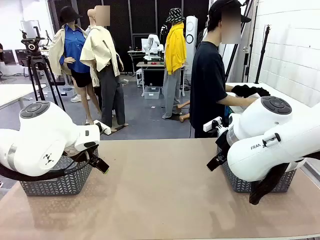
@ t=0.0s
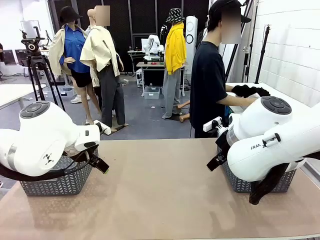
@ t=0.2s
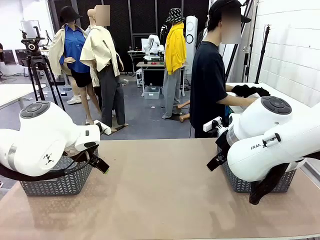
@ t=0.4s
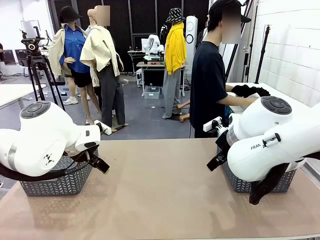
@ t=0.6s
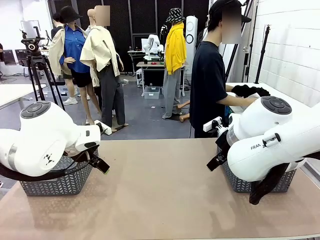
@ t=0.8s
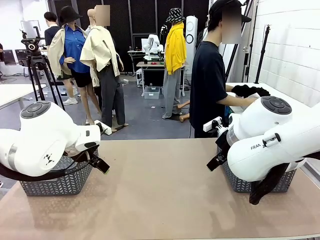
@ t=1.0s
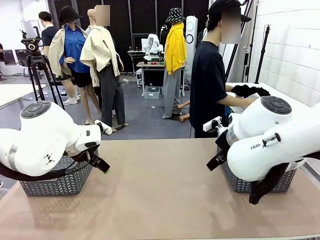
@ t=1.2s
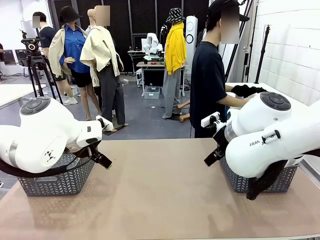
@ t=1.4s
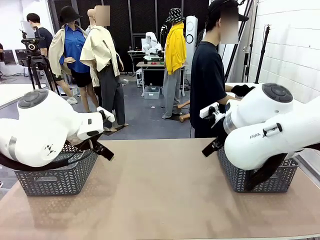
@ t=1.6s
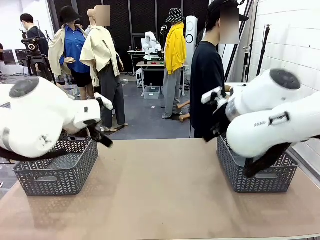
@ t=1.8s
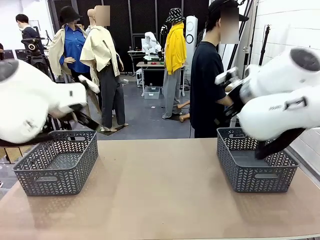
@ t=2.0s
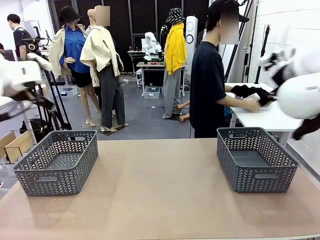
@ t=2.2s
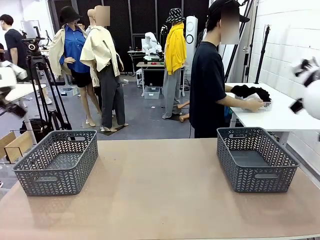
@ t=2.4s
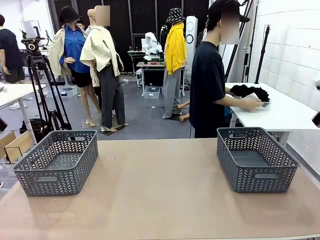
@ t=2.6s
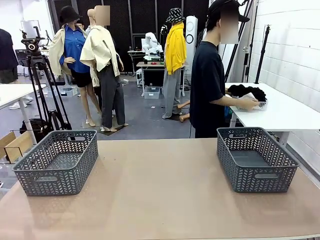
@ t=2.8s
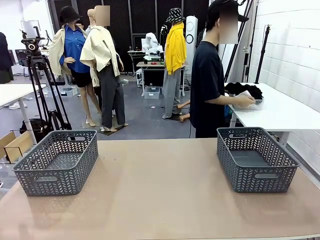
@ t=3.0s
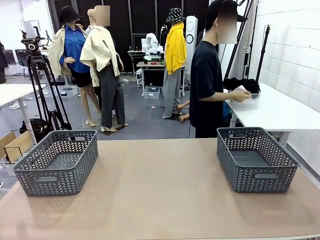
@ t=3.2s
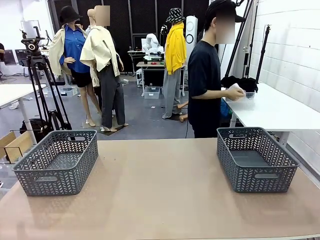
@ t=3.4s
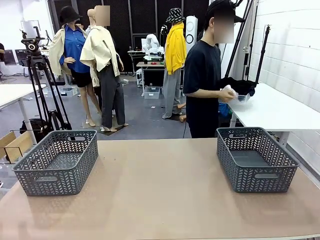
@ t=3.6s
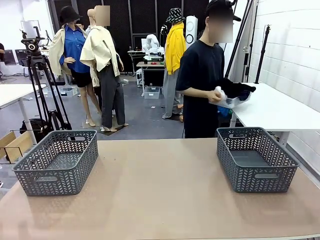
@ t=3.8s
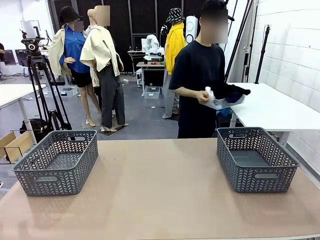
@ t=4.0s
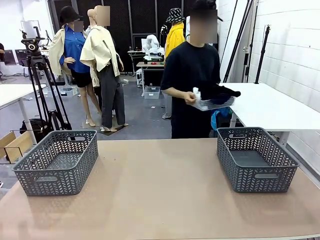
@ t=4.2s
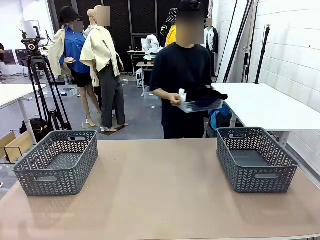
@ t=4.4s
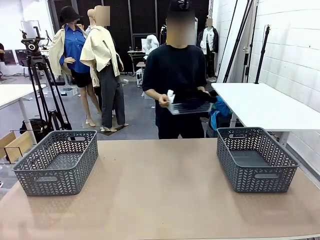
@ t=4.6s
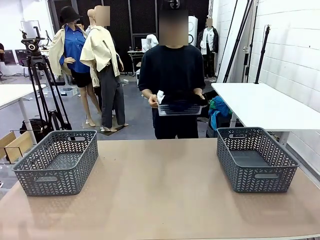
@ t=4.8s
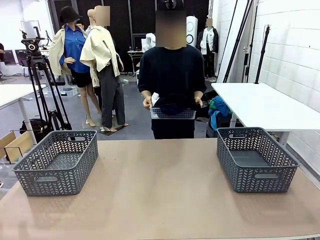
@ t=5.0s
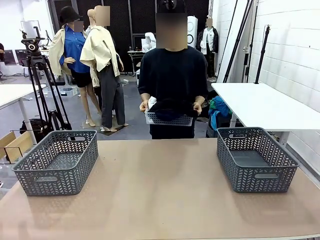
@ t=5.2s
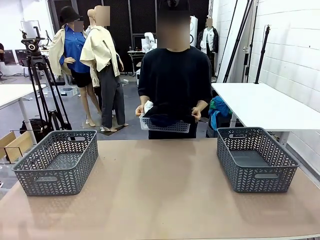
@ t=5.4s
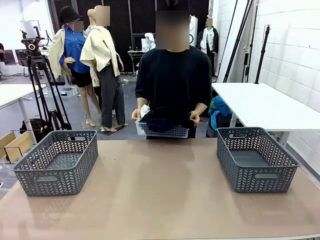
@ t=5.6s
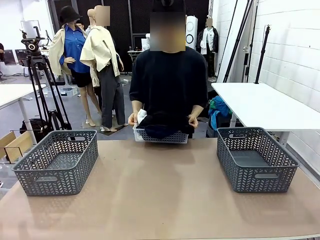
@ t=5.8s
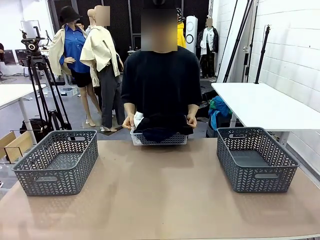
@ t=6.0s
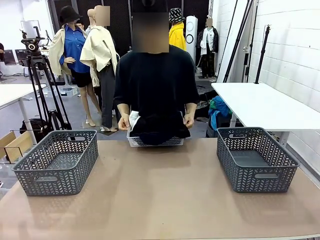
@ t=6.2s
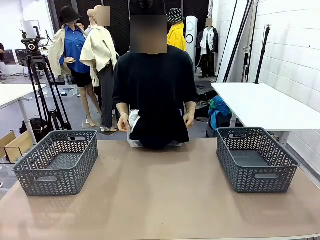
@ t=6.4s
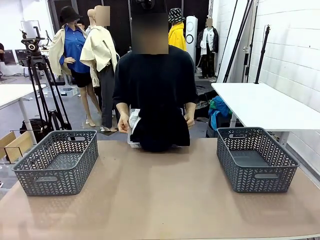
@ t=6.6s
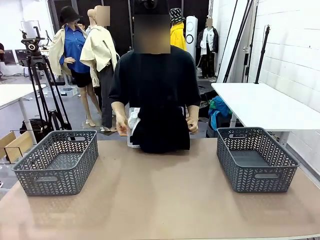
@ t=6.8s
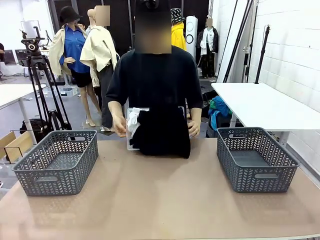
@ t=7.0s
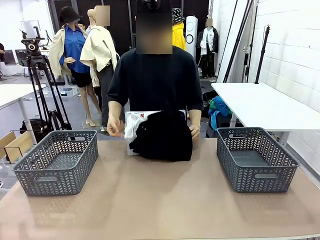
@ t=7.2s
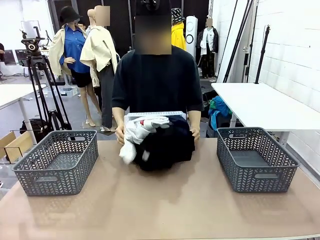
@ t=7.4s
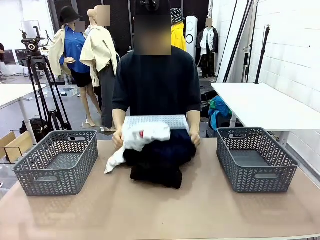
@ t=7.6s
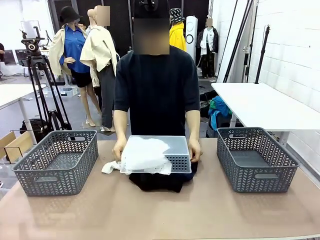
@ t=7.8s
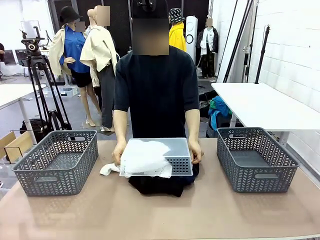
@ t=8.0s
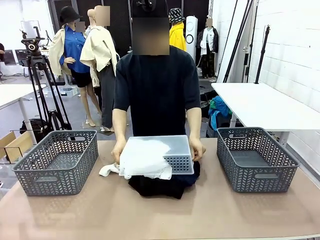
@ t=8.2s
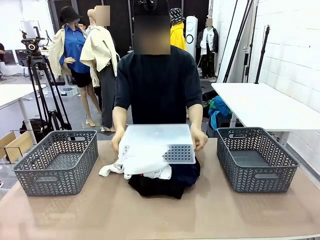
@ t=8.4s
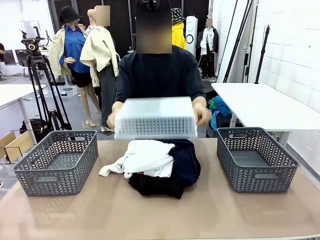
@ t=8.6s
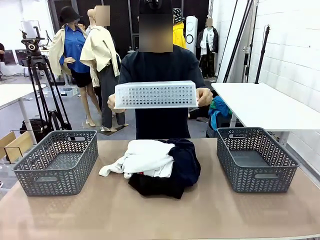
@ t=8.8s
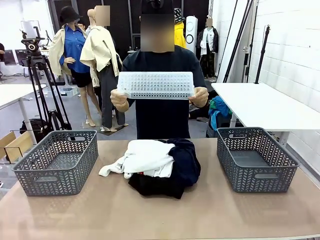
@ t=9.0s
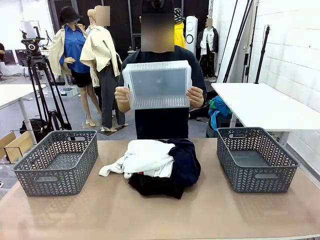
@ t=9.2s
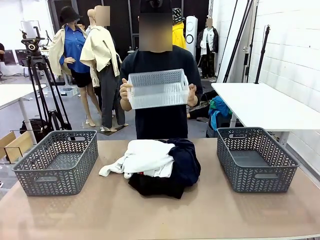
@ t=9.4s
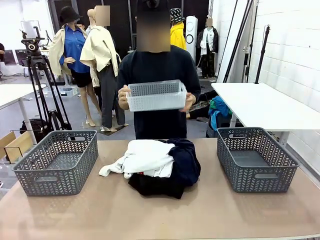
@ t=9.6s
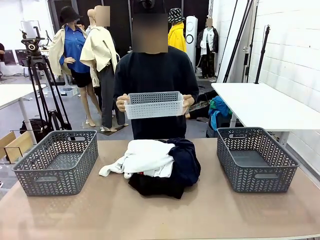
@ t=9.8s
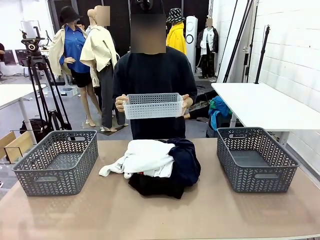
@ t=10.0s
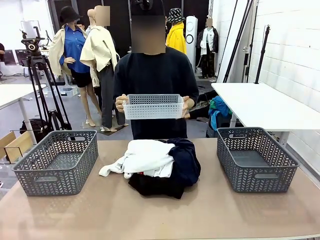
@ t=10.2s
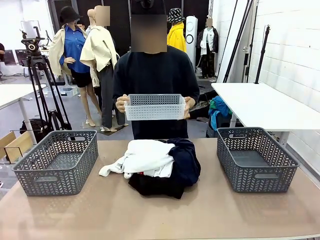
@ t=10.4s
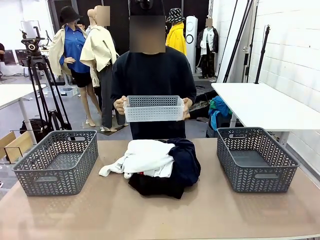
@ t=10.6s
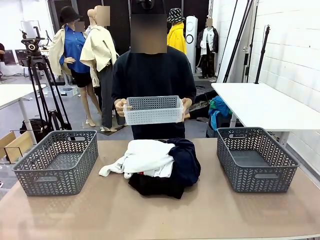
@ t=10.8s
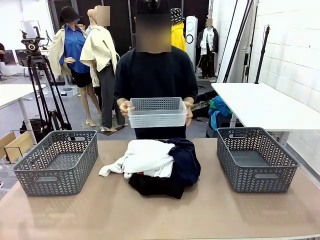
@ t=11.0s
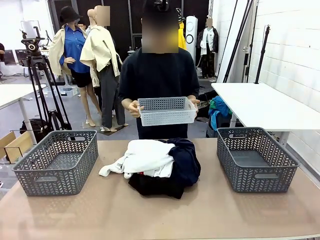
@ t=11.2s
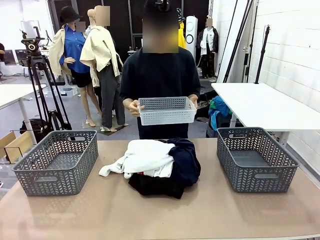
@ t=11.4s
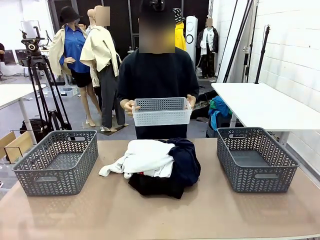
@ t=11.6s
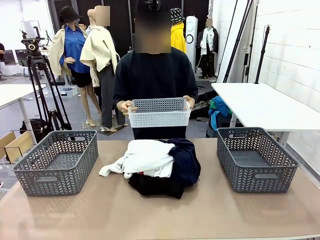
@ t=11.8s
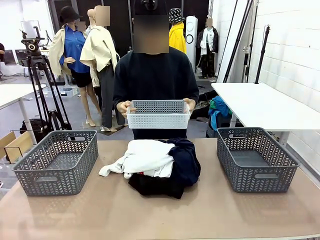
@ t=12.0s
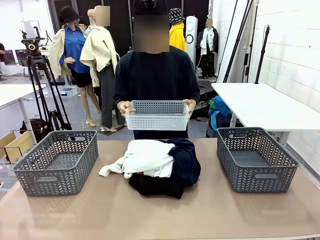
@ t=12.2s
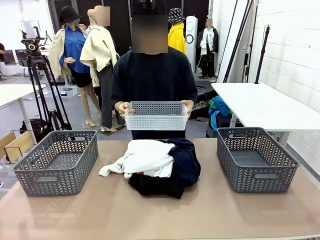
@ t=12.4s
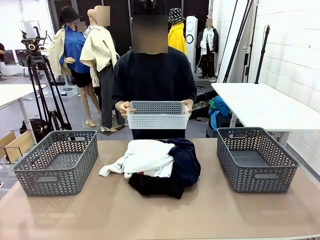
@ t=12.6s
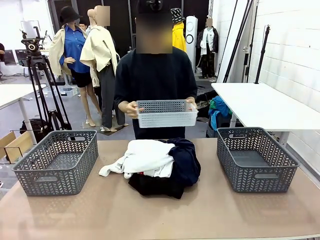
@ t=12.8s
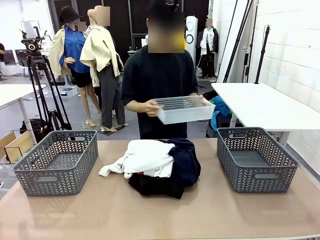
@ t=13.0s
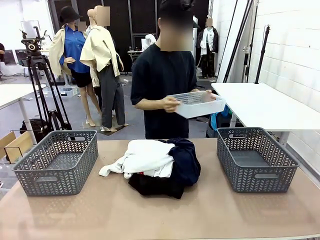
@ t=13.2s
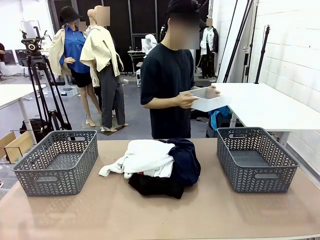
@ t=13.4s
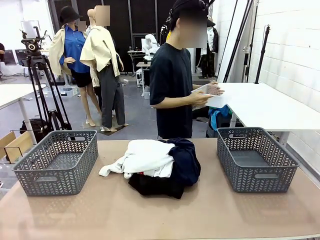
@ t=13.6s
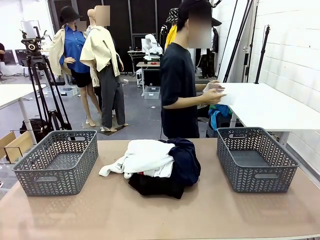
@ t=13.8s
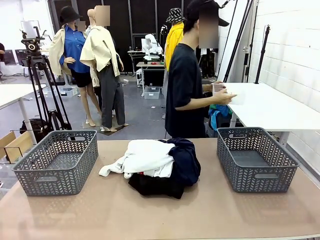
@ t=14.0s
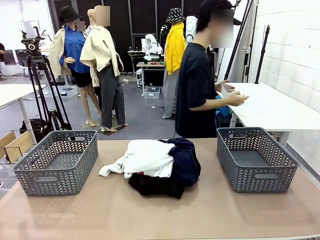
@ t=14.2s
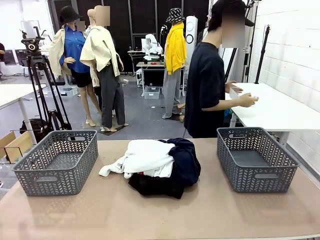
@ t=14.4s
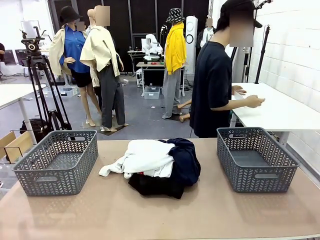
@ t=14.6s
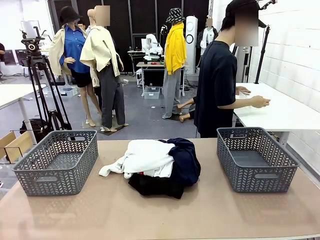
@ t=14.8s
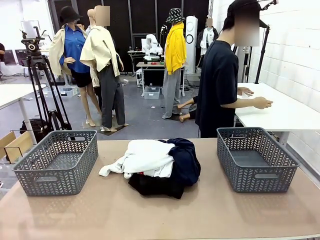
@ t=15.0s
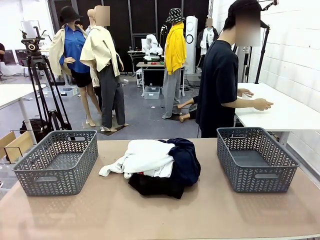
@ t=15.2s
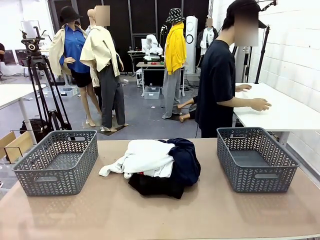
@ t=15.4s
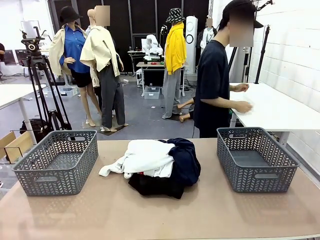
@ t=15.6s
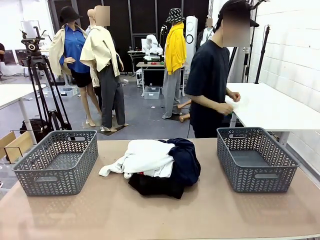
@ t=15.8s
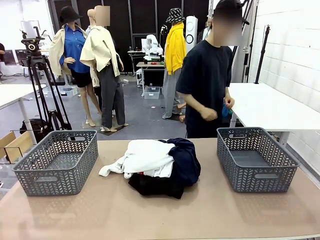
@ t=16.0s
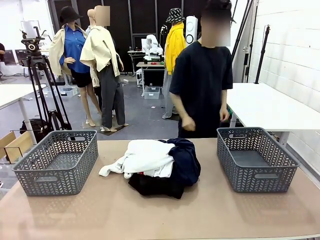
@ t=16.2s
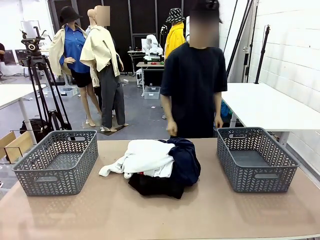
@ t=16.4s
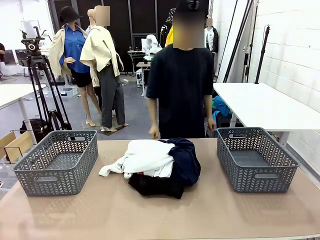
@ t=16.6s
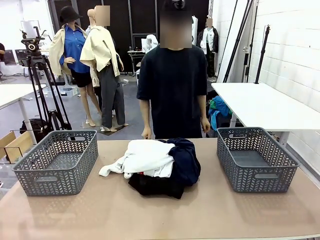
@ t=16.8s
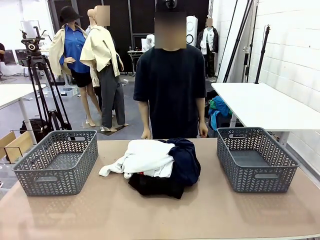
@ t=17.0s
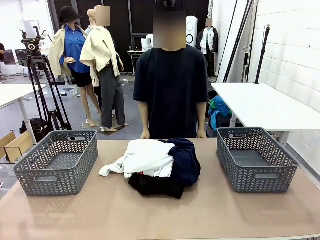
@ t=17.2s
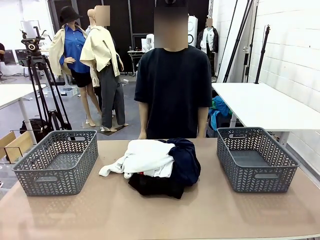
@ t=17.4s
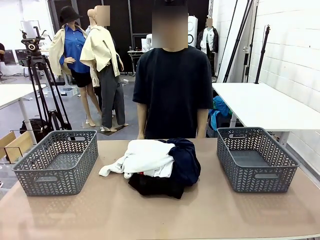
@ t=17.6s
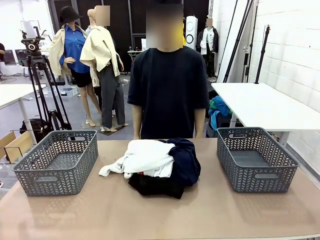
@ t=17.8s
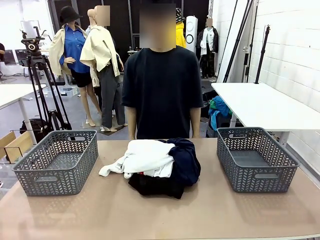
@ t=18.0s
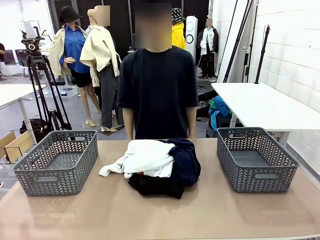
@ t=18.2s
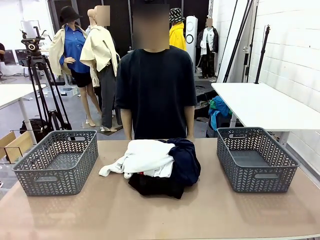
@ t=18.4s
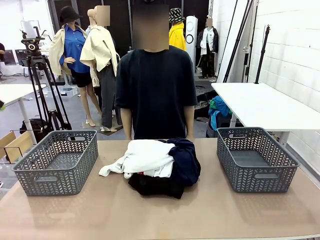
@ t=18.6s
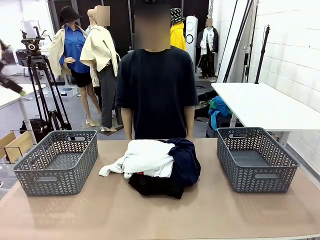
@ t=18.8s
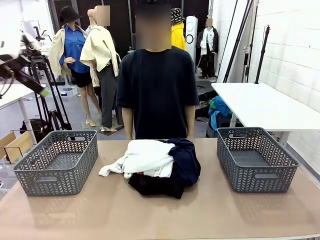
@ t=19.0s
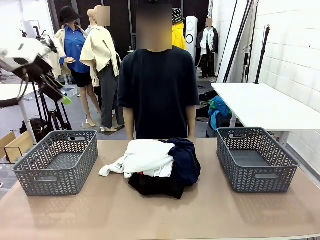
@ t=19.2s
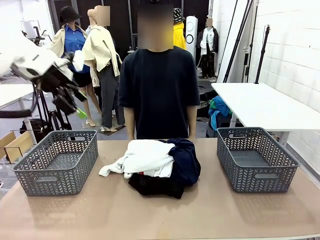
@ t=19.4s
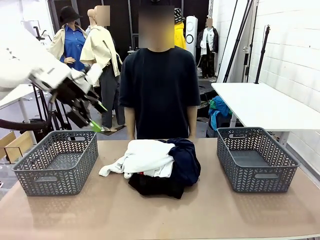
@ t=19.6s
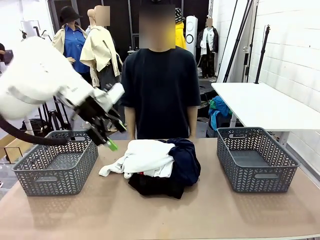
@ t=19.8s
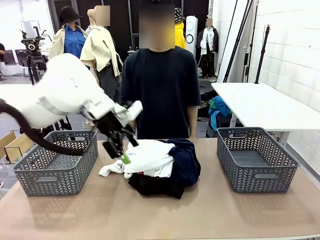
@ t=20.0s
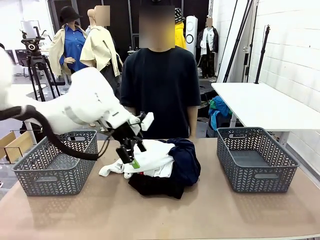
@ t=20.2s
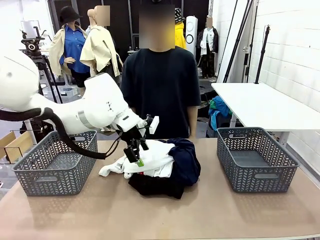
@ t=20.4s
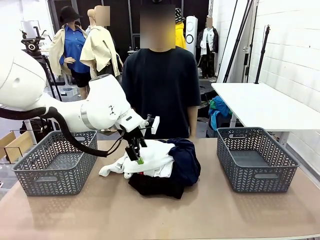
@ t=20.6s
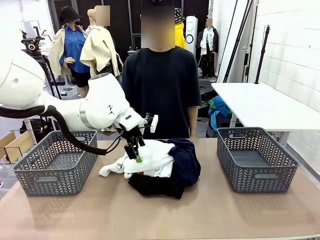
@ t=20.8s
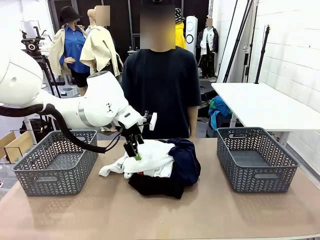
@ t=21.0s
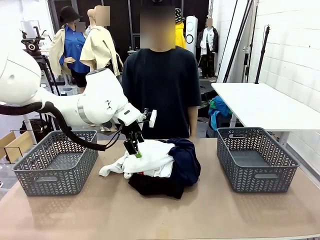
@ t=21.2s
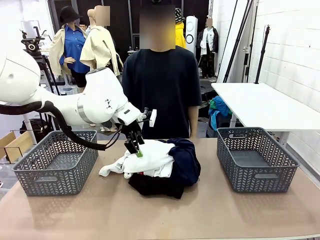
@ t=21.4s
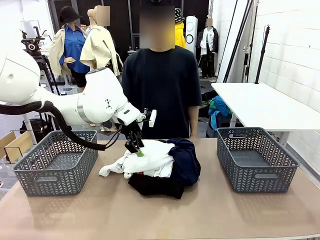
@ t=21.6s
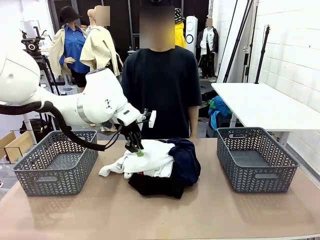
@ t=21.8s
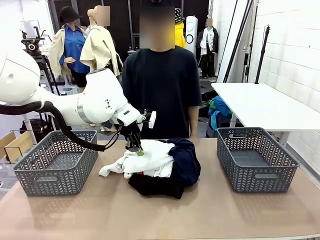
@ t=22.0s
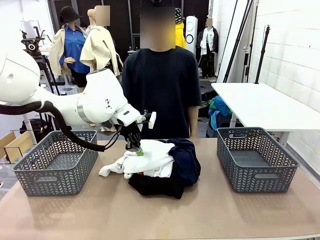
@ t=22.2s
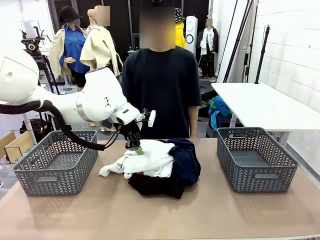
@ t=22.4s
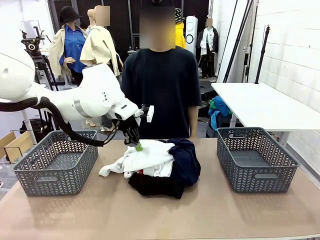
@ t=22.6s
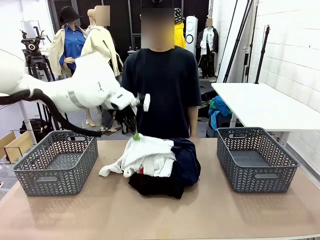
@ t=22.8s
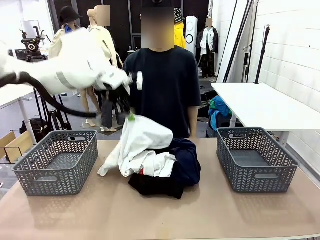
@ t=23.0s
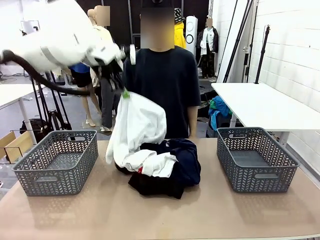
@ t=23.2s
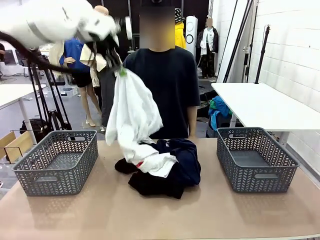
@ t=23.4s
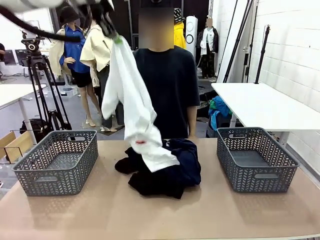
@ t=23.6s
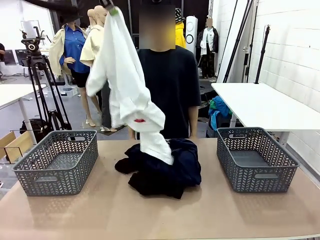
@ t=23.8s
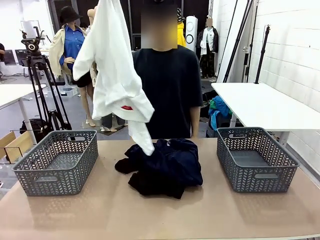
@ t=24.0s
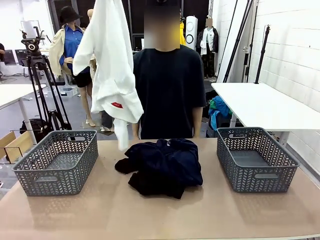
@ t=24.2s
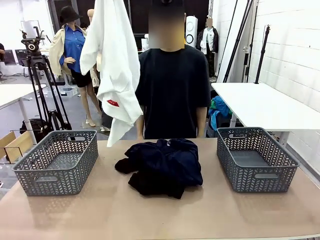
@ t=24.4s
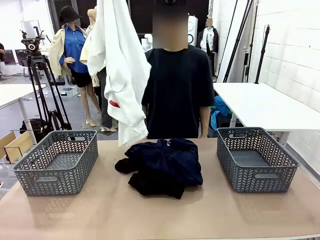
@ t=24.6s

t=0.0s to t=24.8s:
Task: Sort the tops and bottoms.
Robot: Lift clothes from the center of the table with your left hand.
Person: Pour the clothes from the basket onto the center of the robot table.
